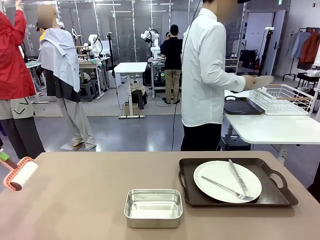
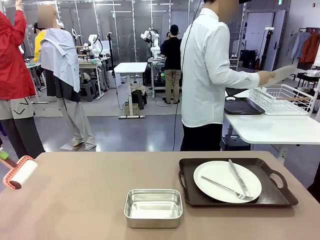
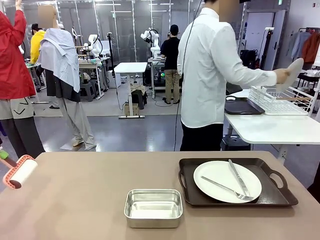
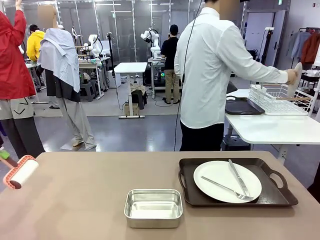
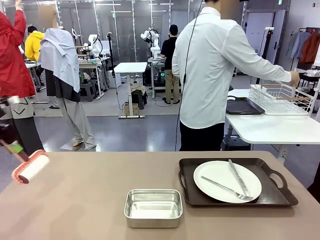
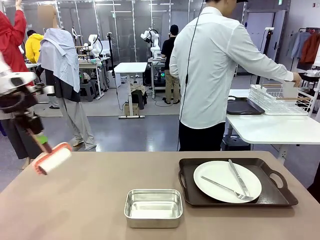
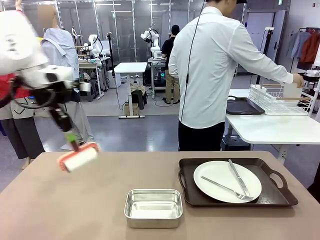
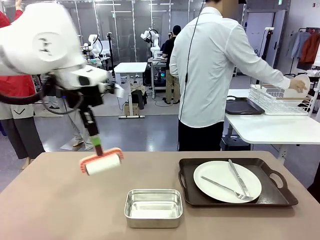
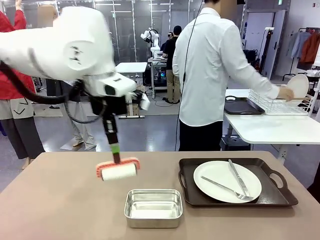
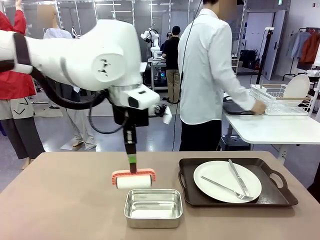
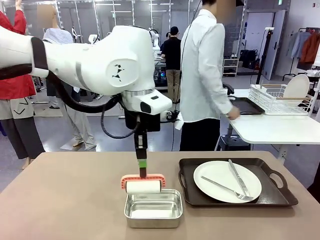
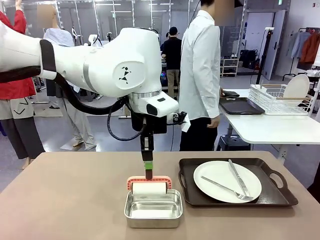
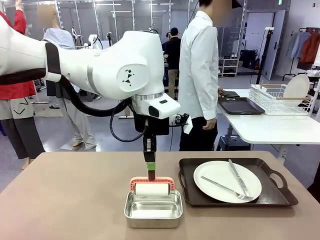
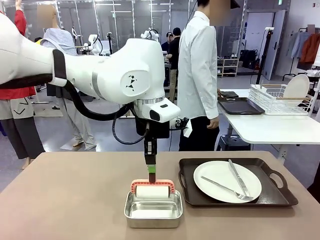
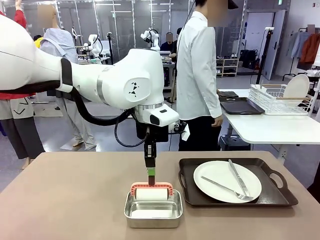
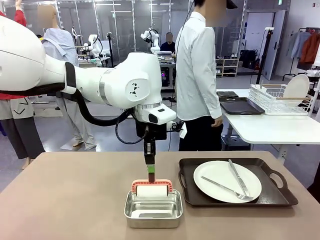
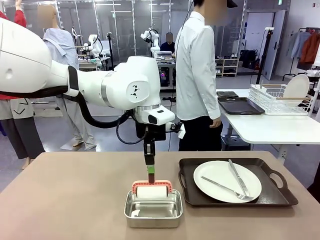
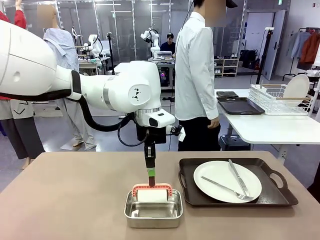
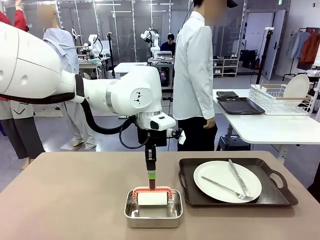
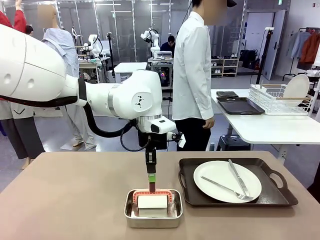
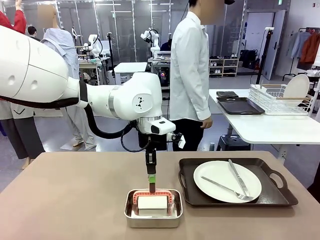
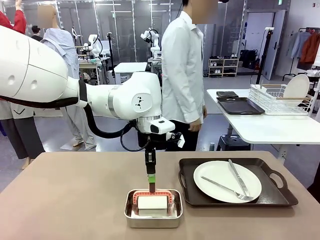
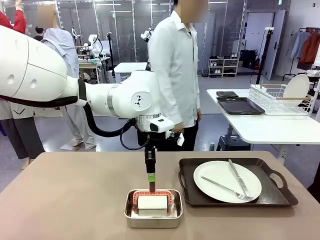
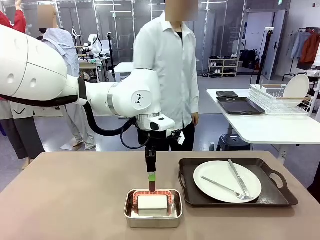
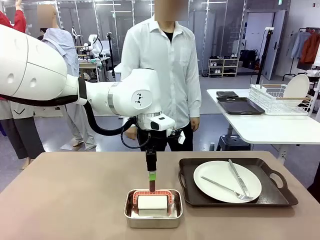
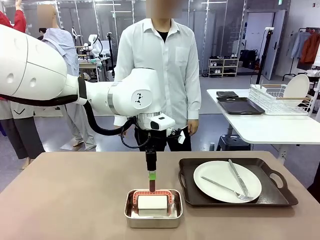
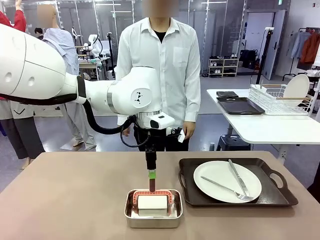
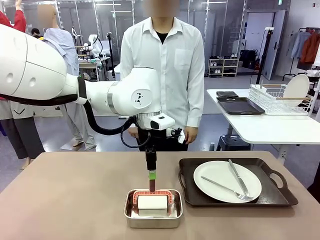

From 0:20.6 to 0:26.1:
Robot: Place the Lint Roller back on top of the Airtight Container.

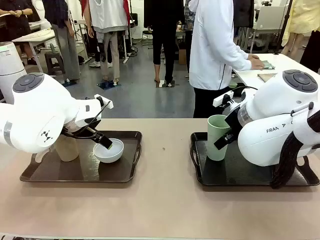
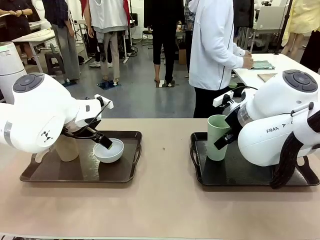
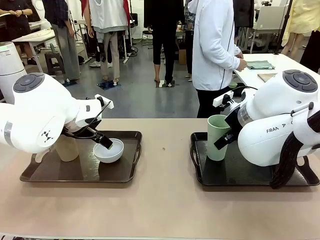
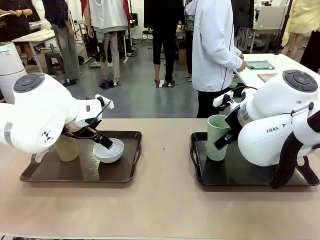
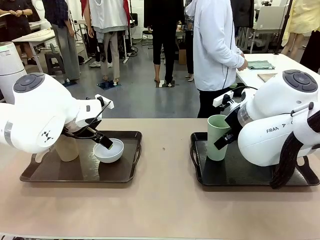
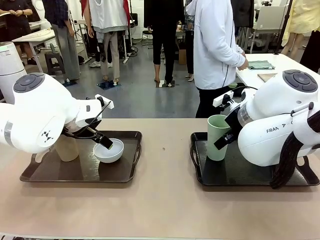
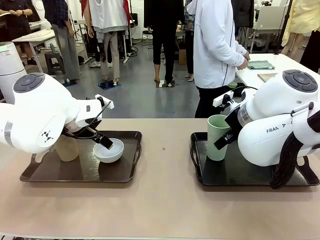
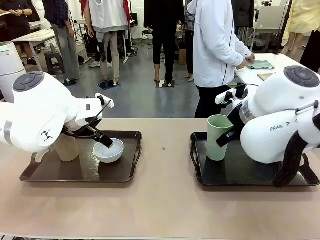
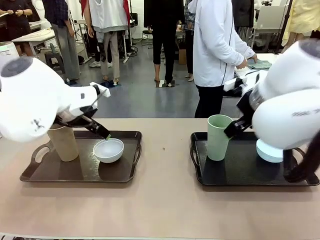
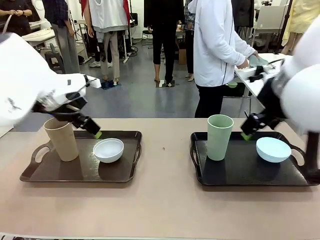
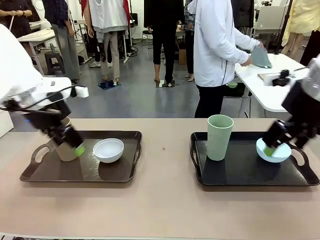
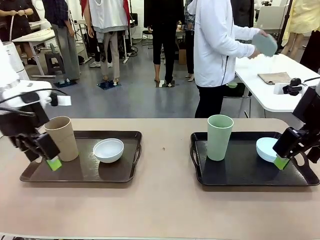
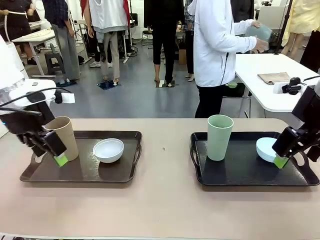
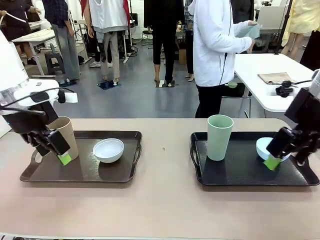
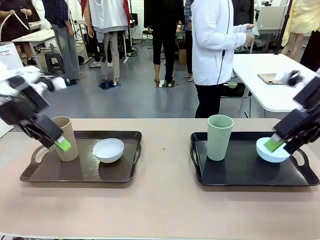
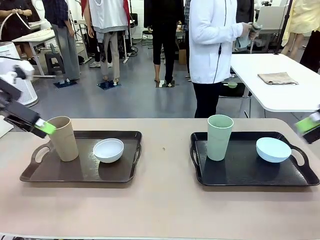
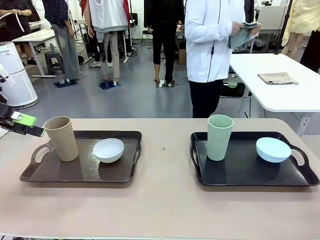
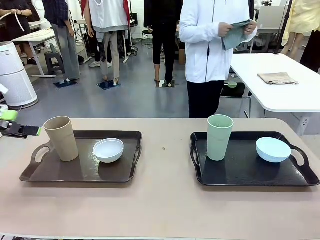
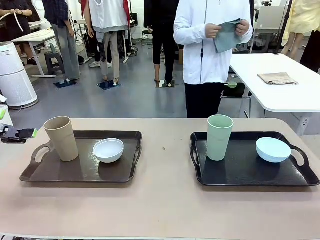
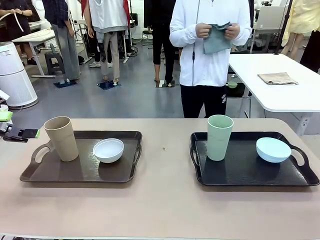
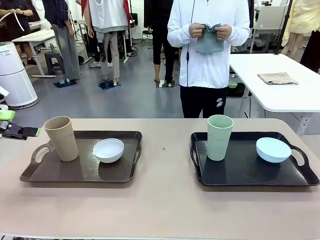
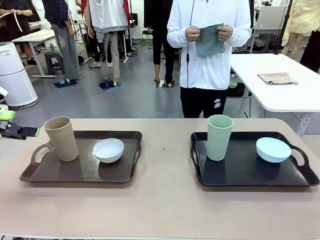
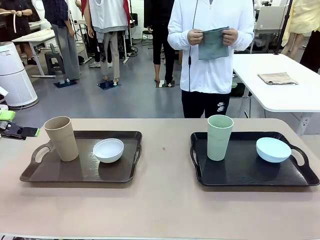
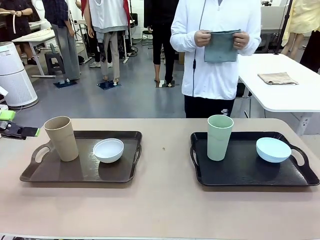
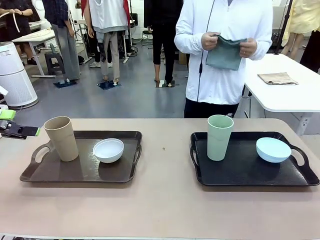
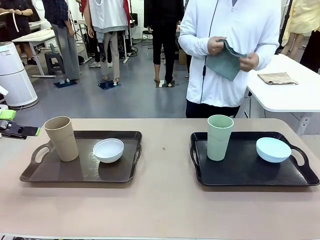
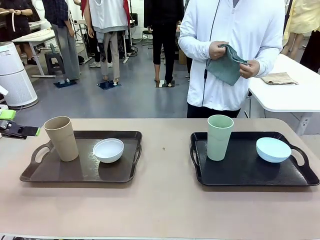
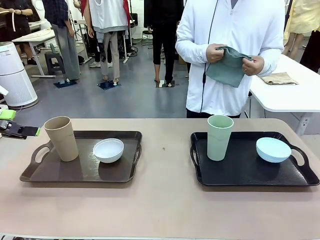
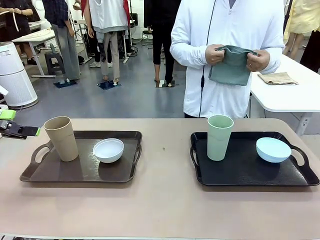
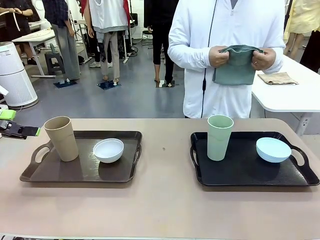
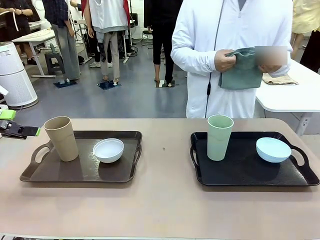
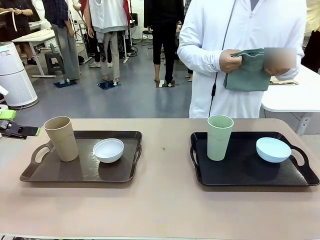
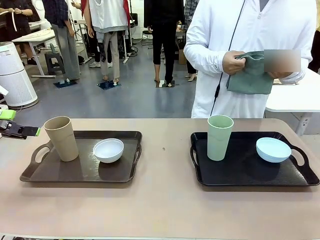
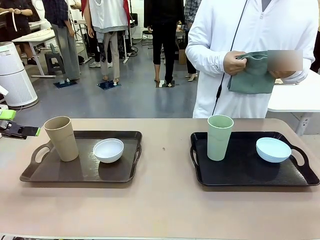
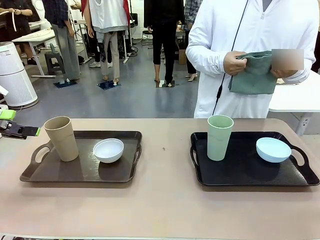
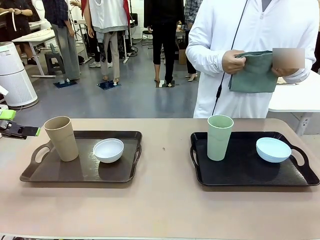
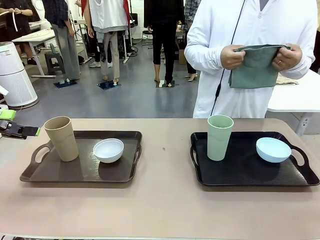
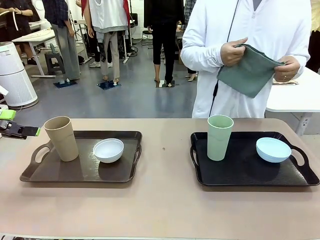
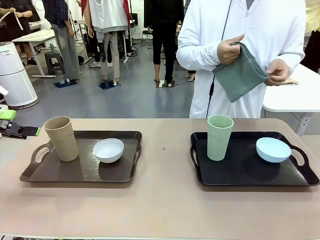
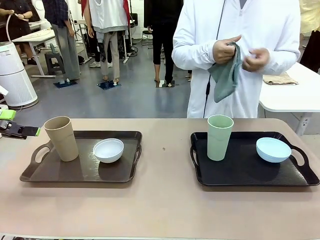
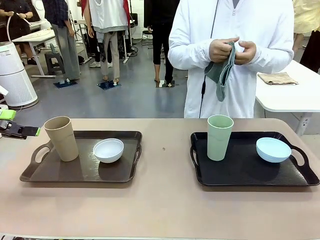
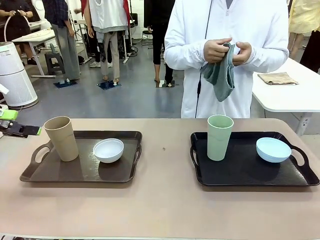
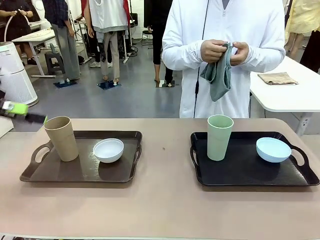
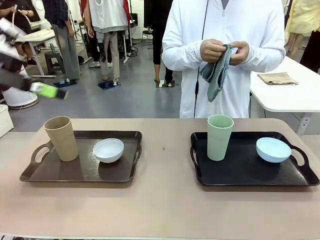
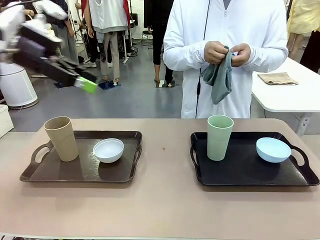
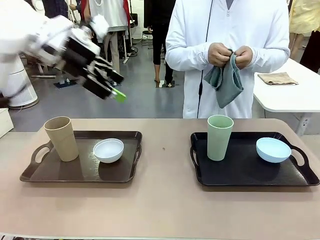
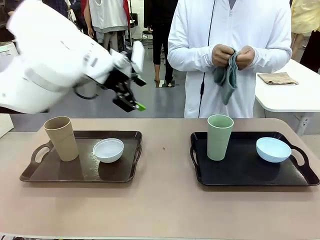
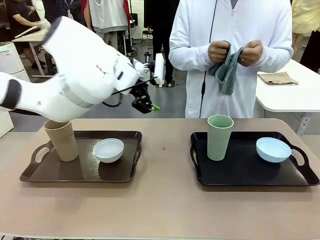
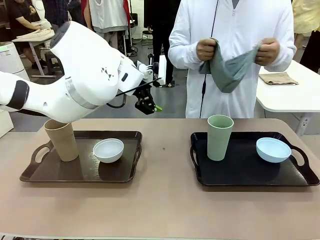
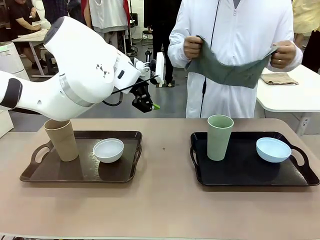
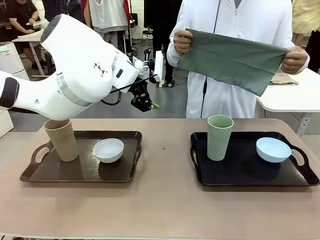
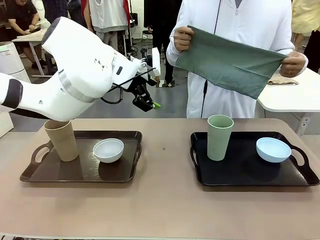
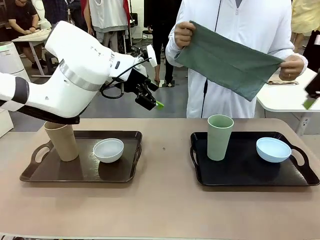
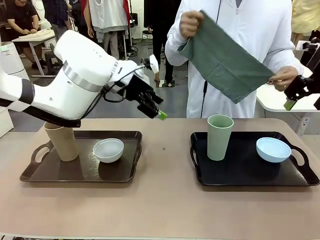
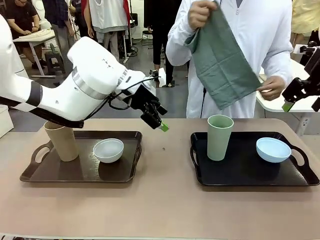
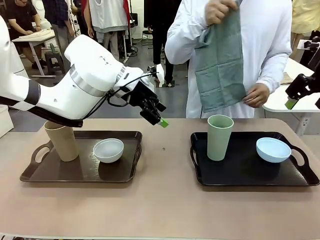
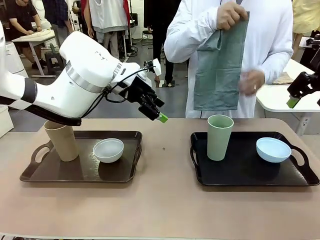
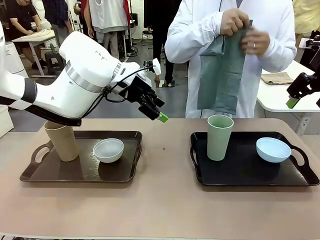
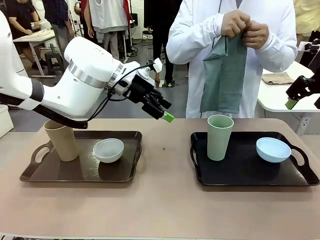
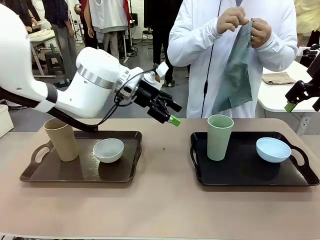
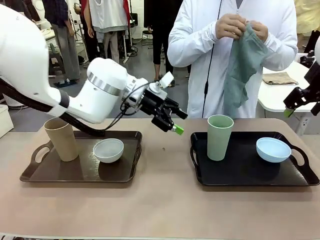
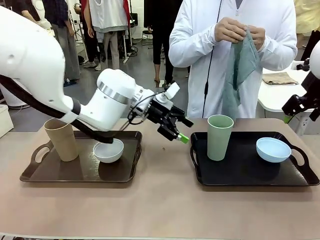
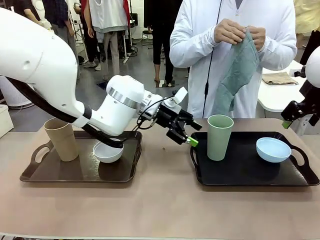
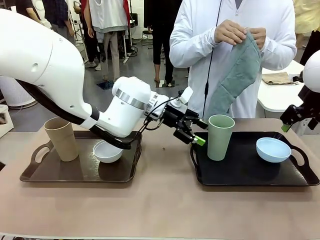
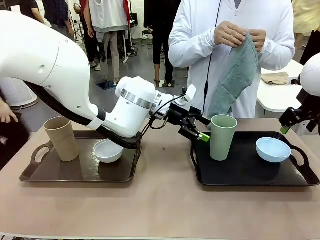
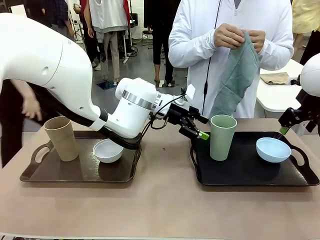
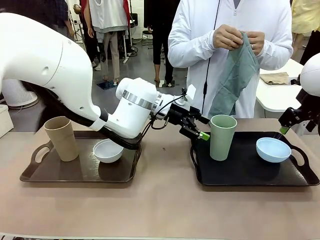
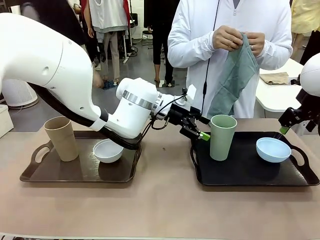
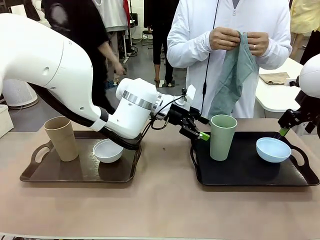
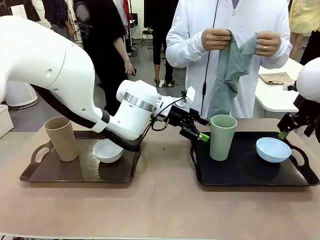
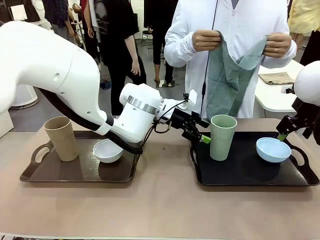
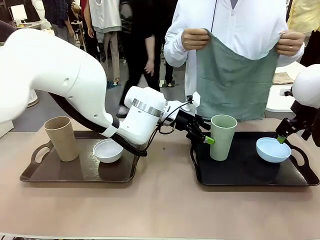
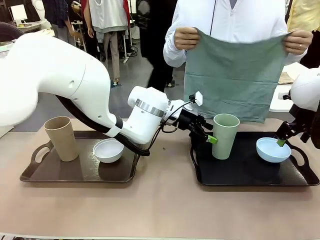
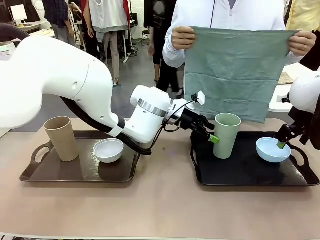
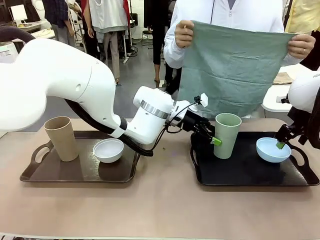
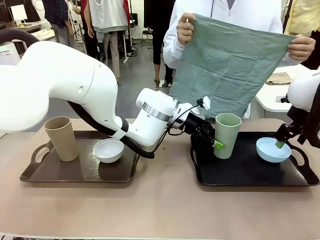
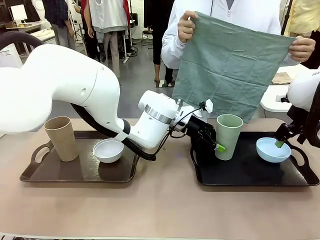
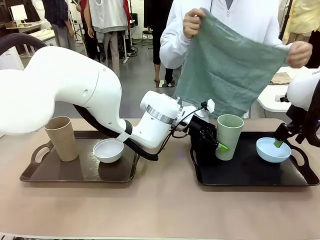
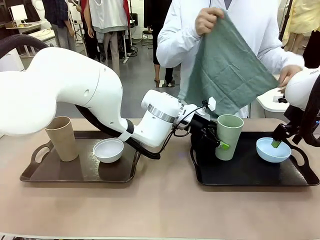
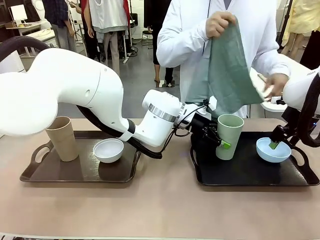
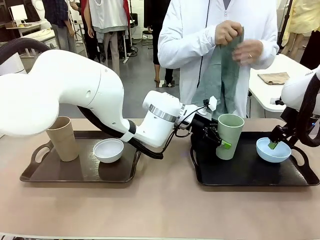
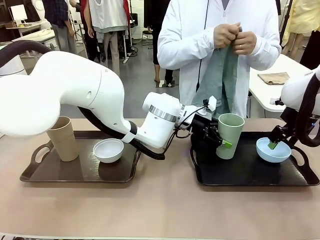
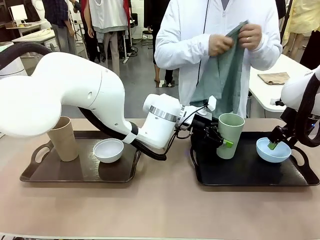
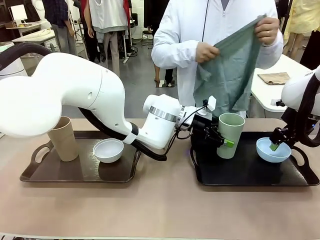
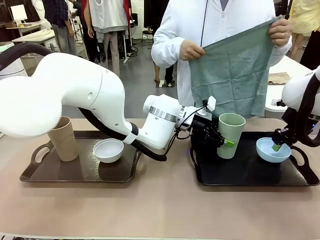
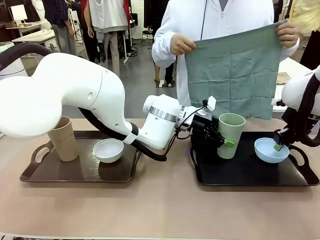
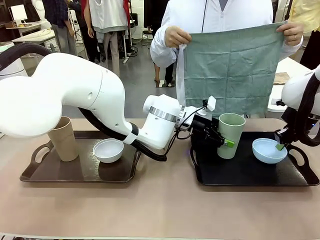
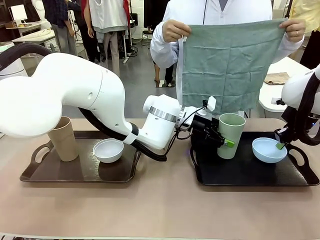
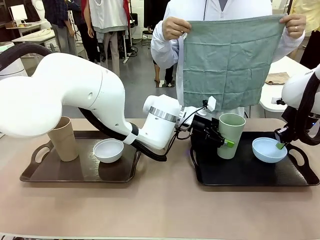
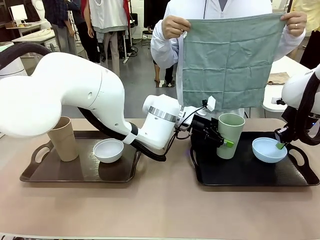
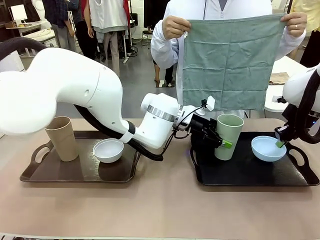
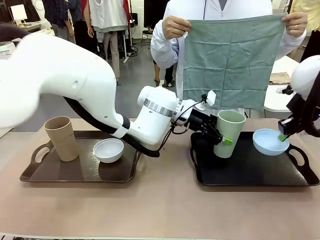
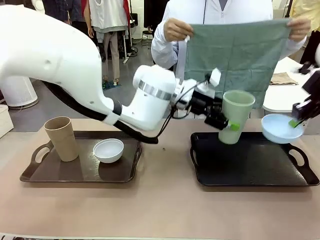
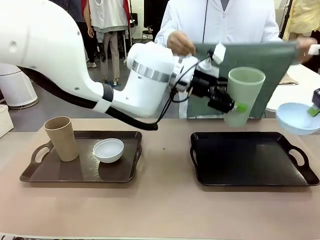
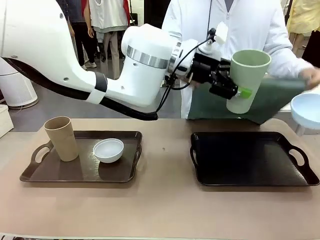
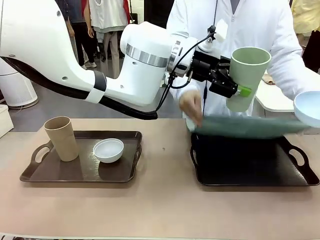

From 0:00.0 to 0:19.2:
Robot: Pick up the Picnic Bowl and Reusable plastic cup from the Handle tray in front of the human's position and hold them in the air.
Person: The human picks up the top napkin from the stack on the human table and walks to the robot table to stand in front of one of the two trays. When the robot lifts the bowl and the cup, the human unfolds the napkin and lays the napkin flat on the tray.
